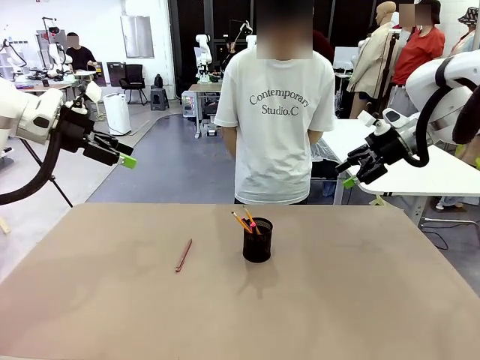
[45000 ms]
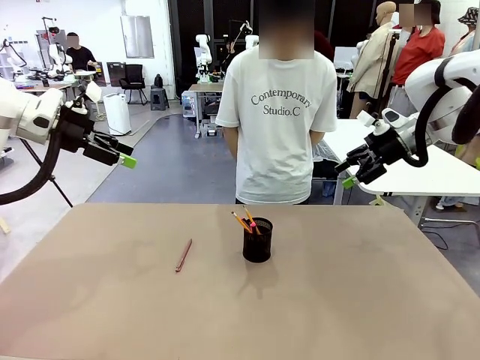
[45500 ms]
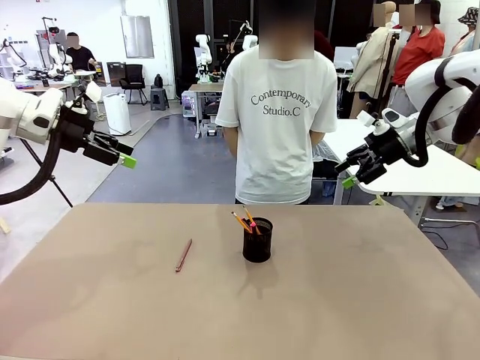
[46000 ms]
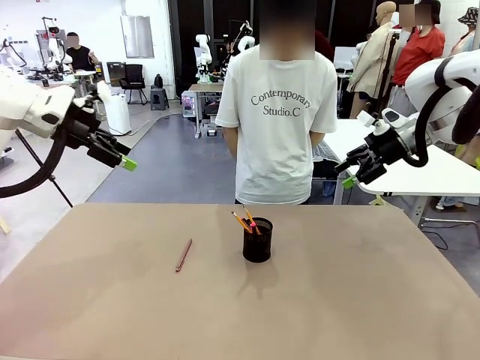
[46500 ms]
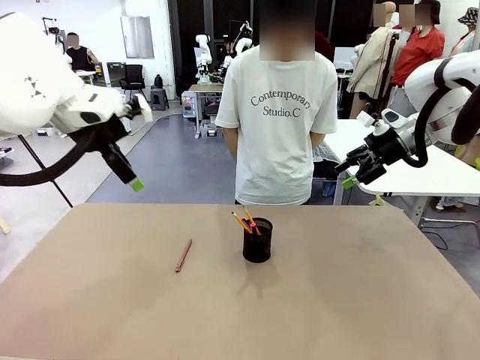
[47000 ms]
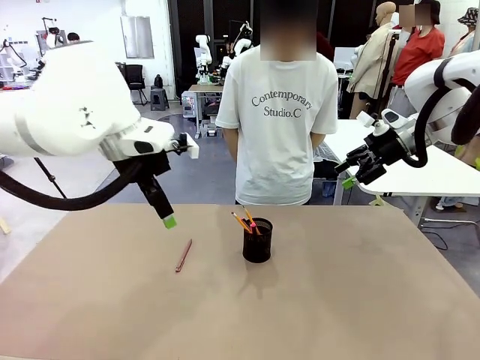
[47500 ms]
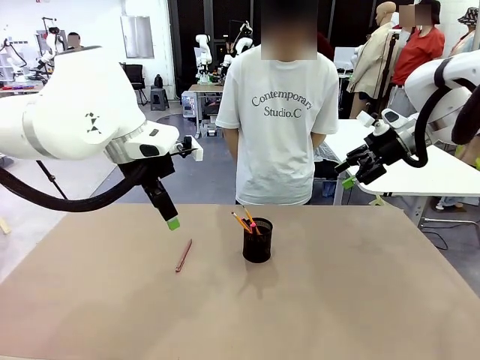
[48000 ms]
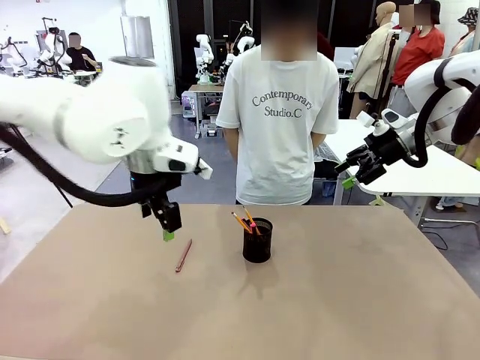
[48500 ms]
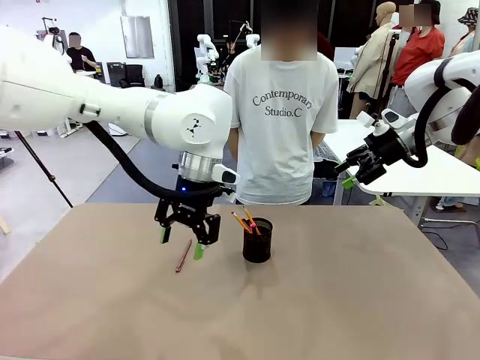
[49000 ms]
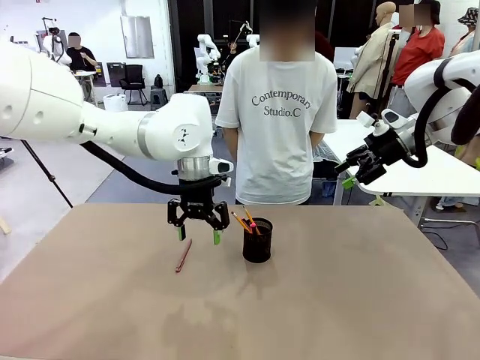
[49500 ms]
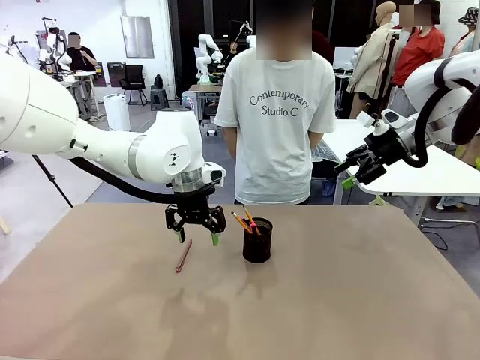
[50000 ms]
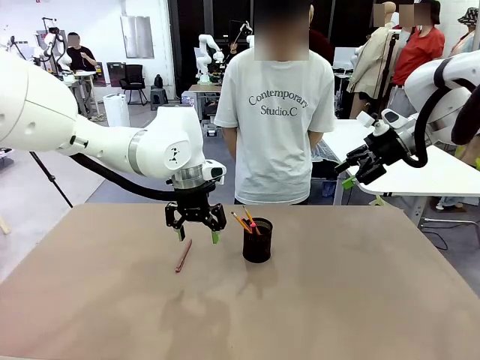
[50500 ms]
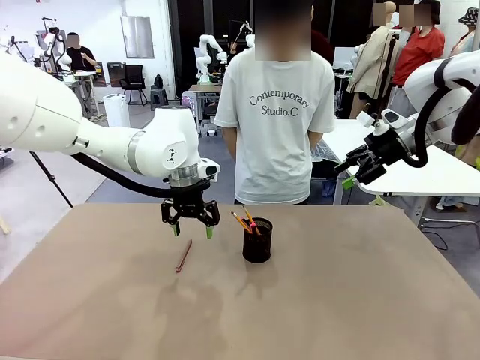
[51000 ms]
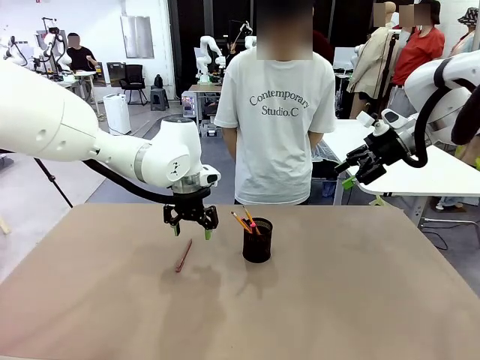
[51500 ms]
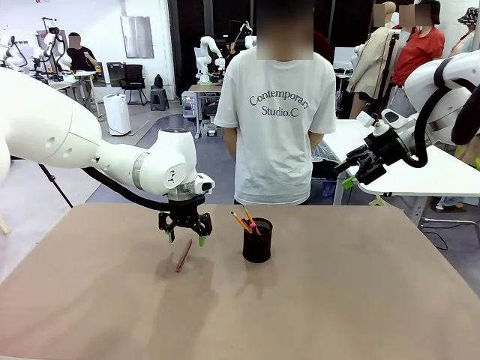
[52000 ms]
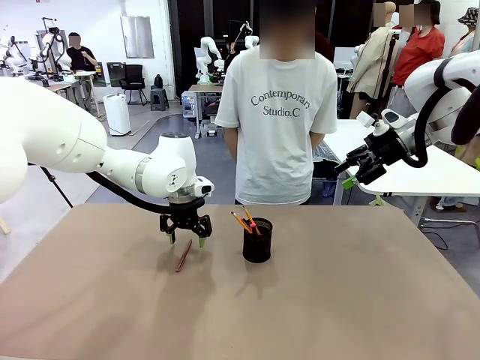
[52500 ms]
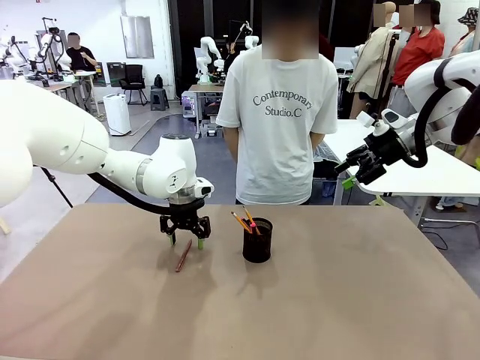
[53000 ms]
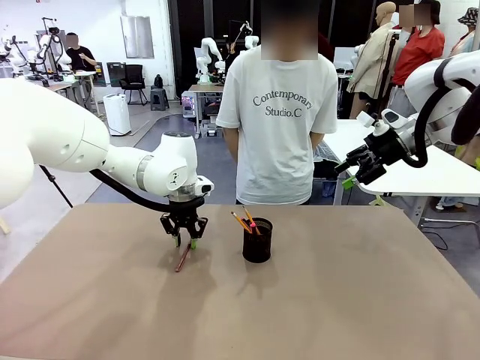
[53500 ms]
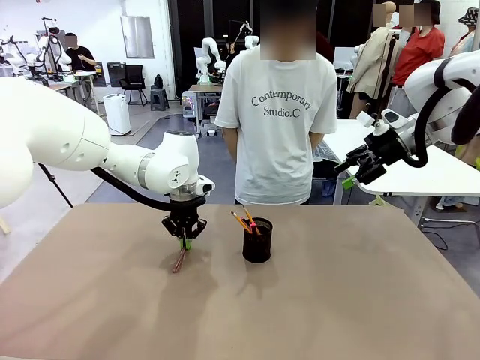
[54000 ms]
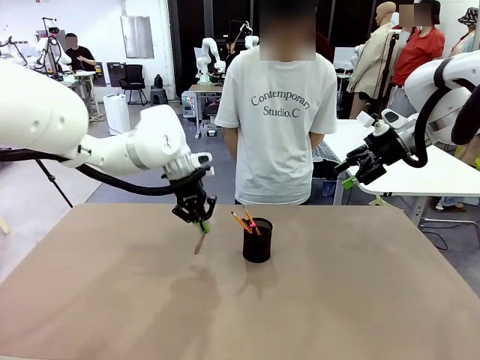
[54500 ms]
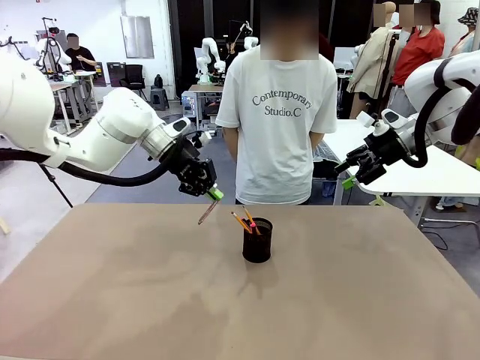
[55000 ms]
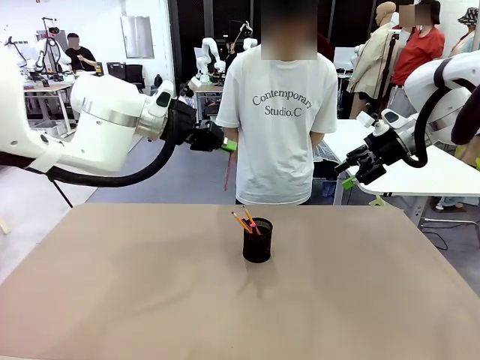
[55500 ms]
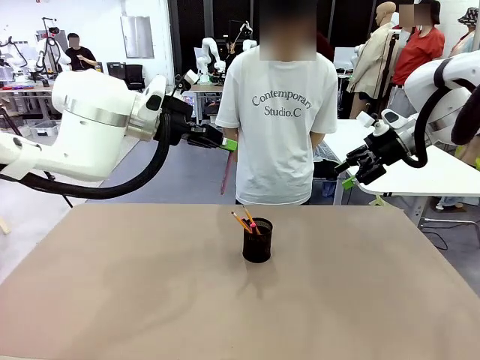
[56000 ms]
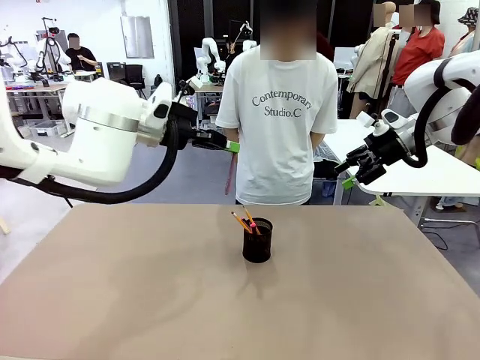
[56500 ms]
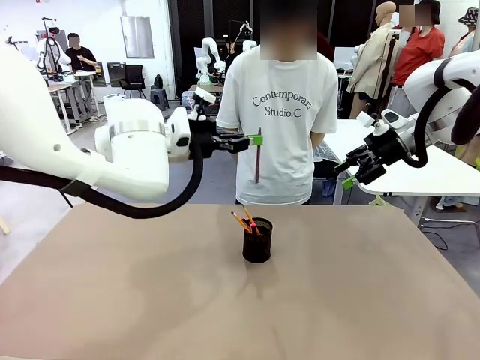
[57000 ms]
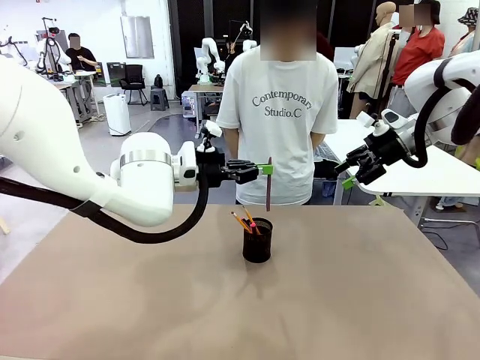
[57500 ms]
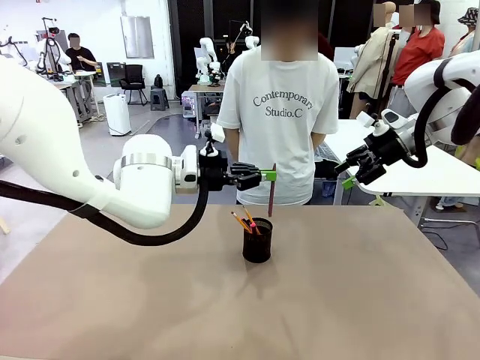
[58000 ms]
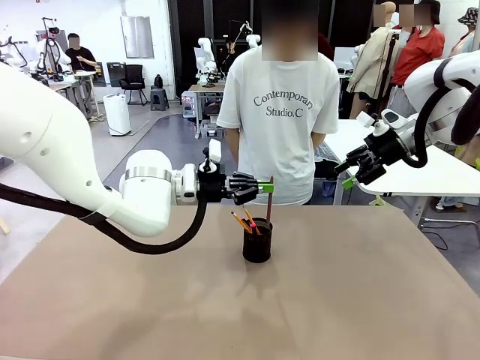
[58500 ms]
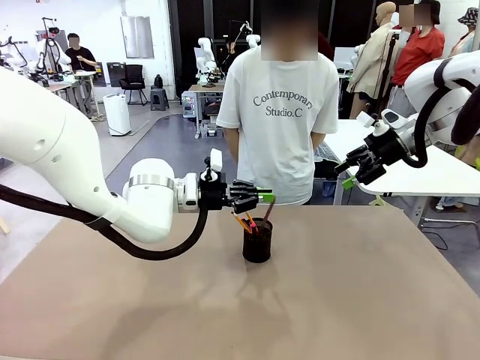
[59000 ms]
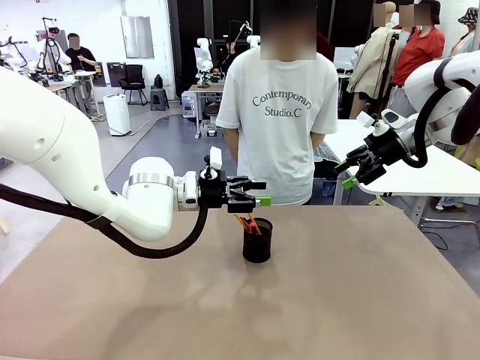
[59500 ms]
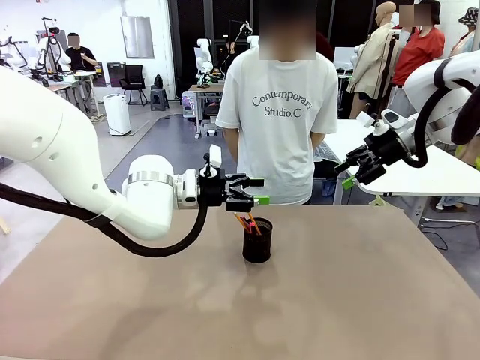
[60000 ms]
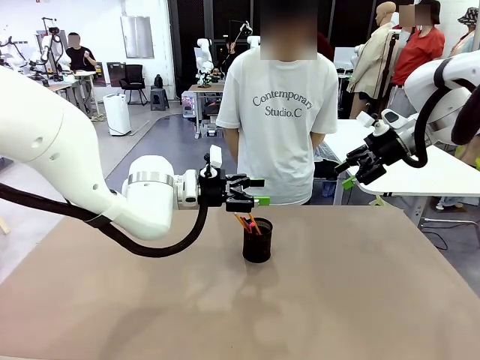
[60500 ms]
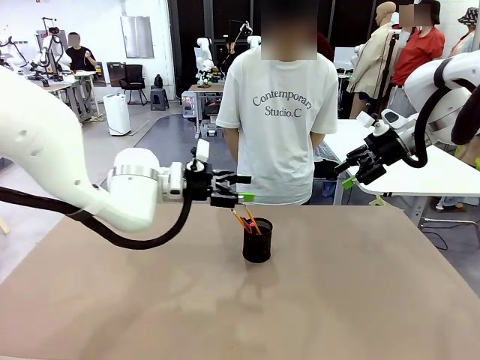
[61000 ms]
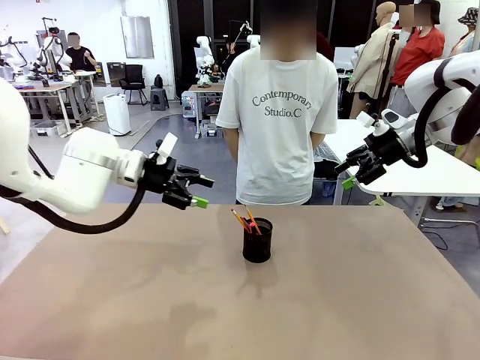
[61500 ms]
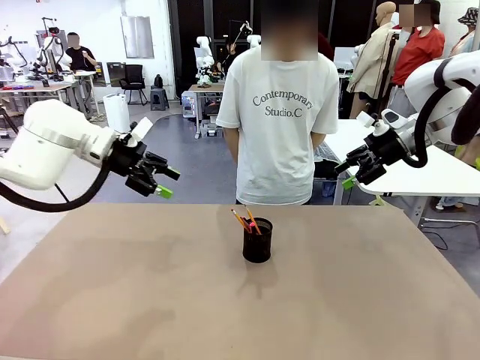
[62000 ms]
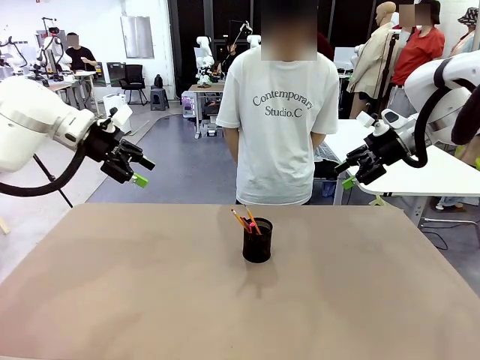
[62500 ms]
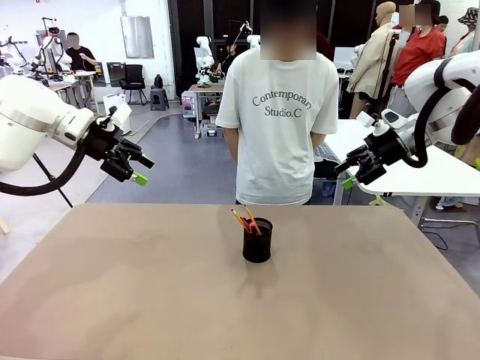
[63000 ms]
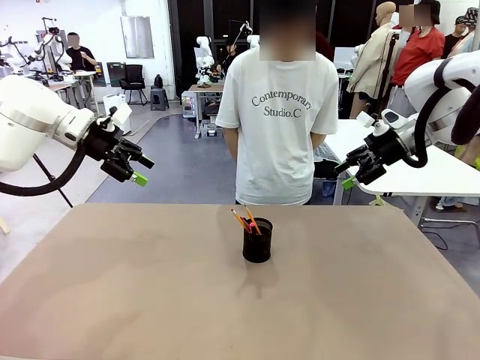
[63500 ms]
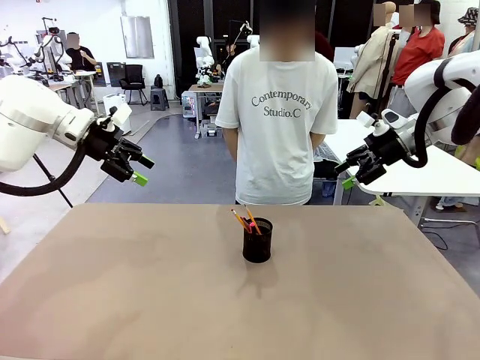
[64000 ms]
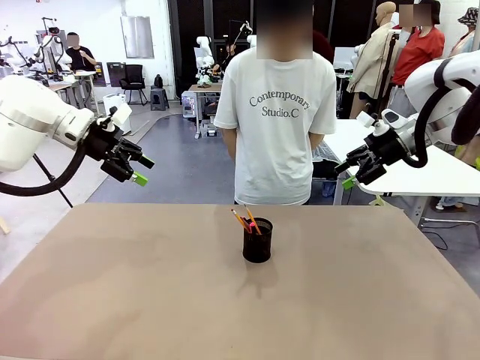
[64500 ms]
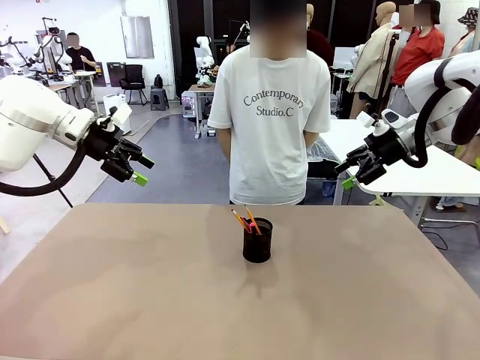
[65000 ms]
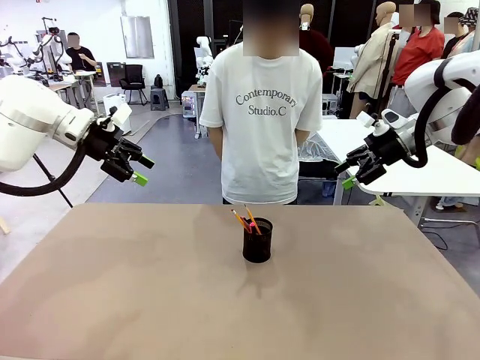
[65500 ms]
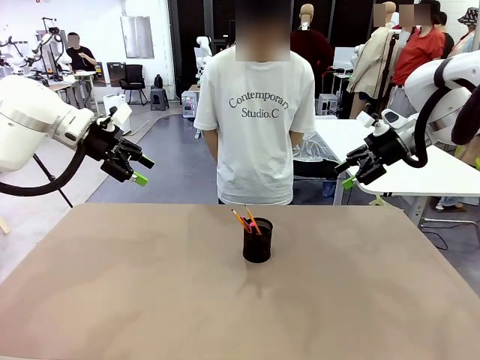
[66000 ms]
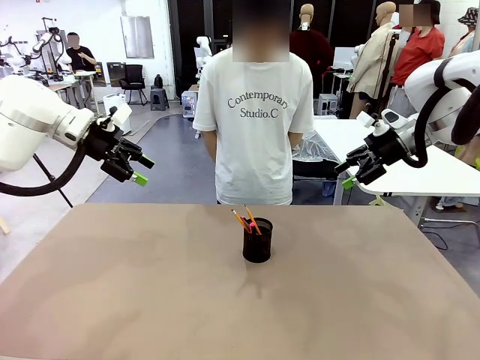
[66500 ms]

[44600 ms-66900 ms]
Task: Place the pens into the pen holder.
Robot: Pick up a writing instrument from the table and place it into the Pen holder.

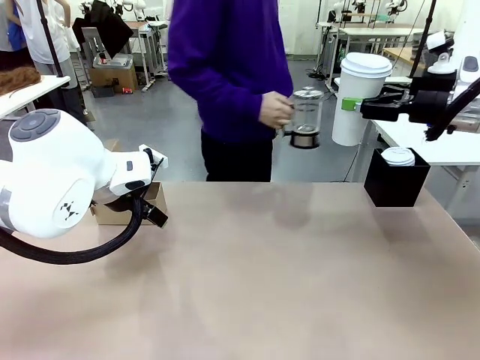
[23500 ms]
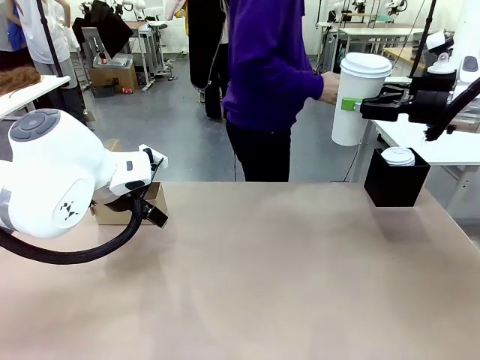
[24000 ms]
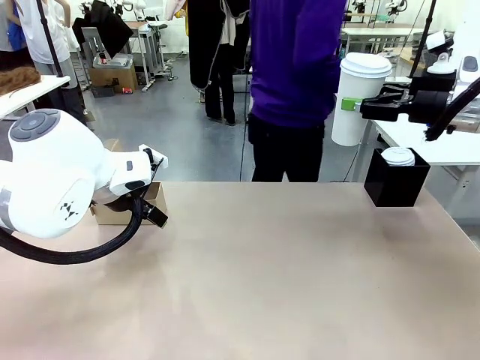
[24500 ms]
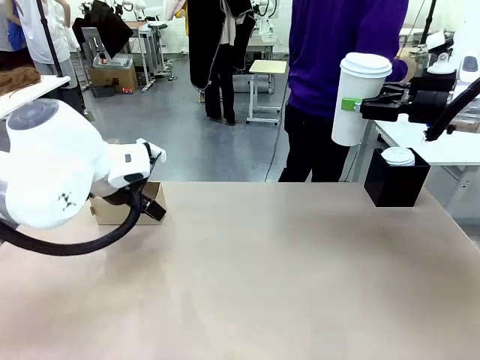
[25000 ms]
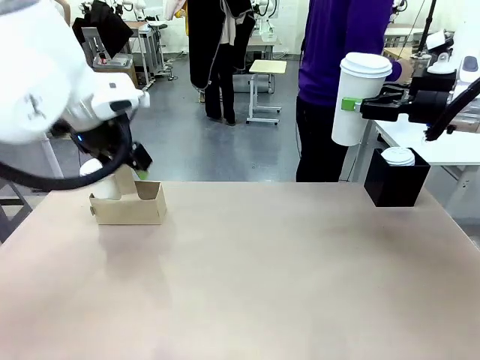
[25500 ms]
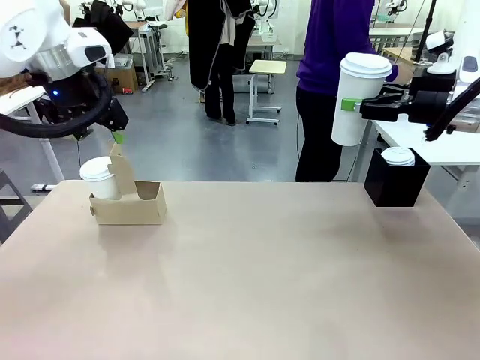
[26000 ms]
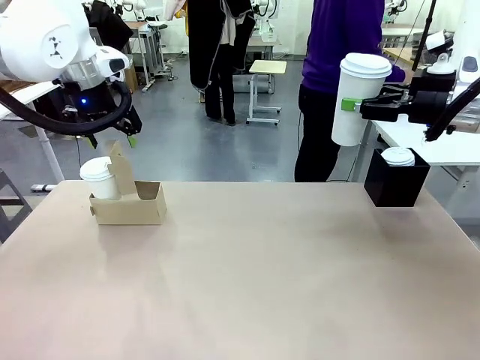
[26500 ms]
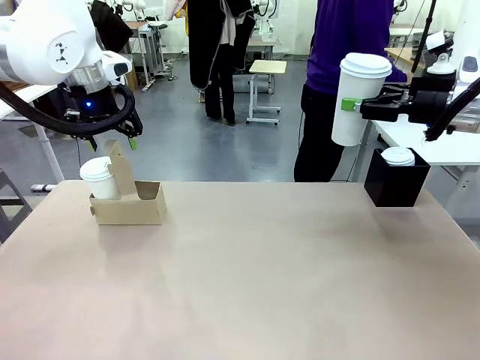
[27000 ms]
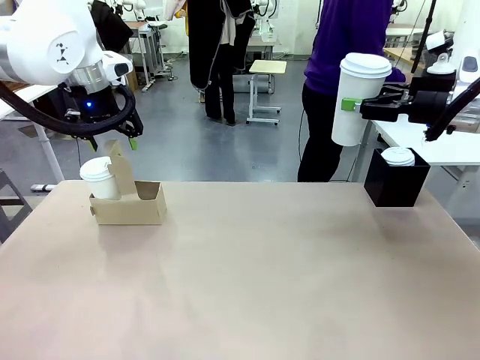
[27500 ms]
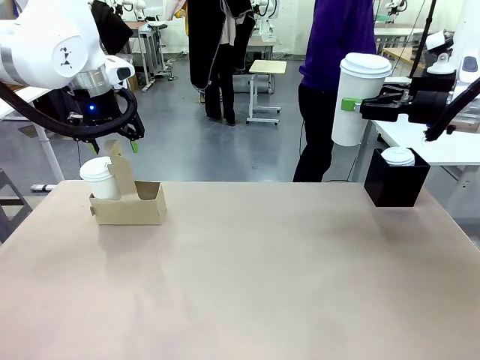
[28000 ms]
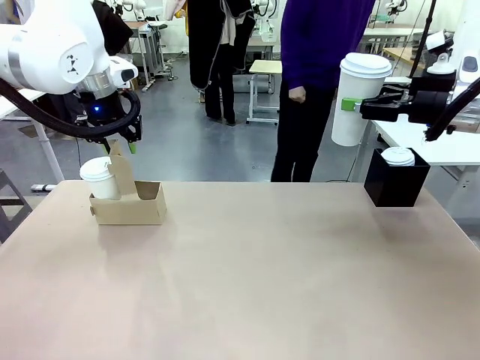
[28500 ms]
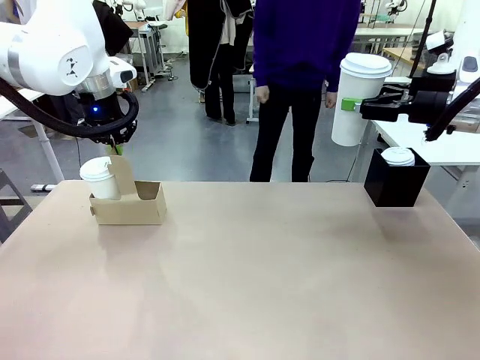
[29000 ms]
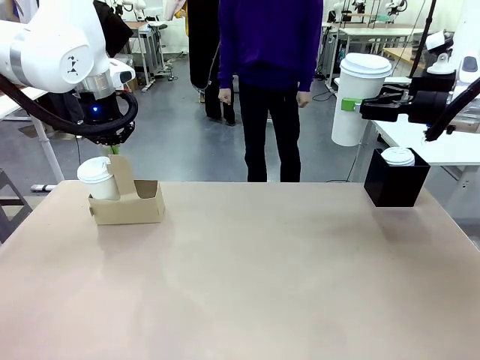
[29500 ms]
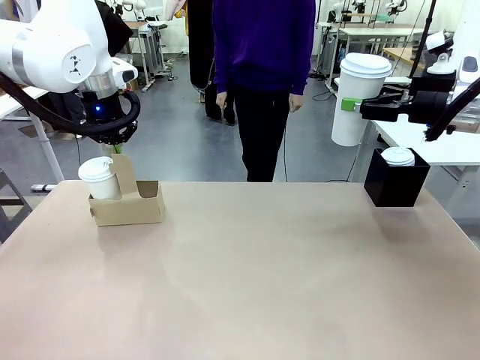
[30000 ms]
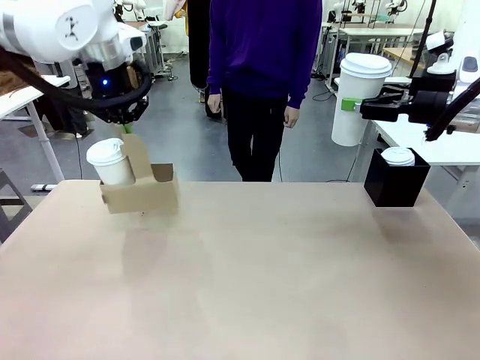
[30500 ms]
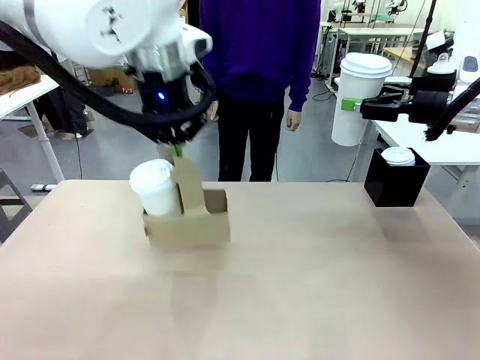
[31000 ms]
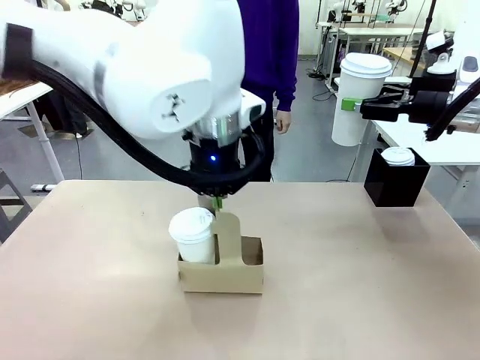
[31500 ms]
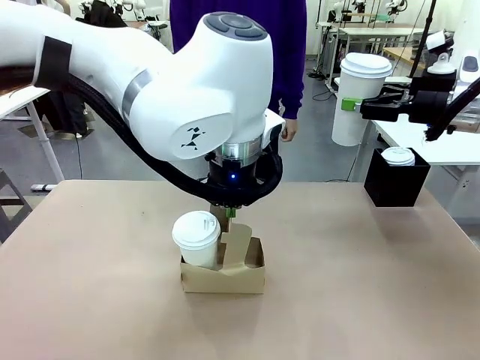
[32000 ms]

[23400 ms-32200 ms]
Task: Pour a drink into a cup and package it in a carrier.
Robot: Position the Cup Carrier in the center of the table.
Person: Pick up the Filter Brewing and place on the middle of Human table, and return to the Robot table.
